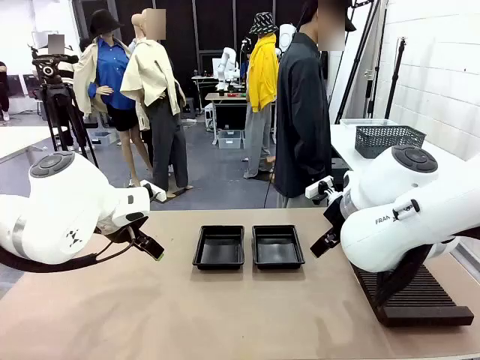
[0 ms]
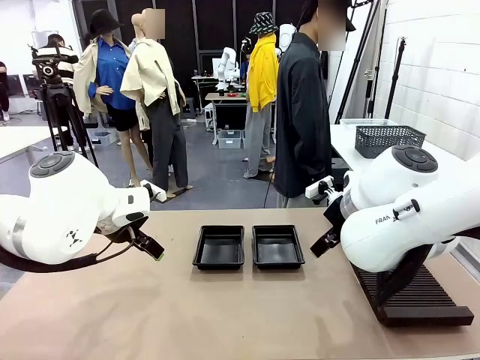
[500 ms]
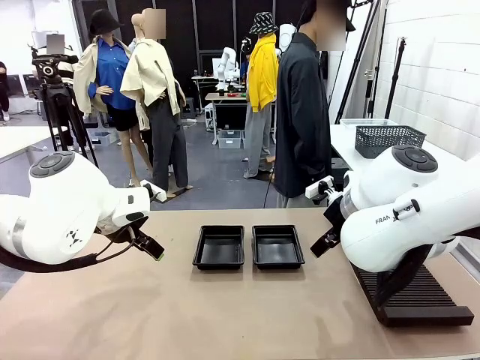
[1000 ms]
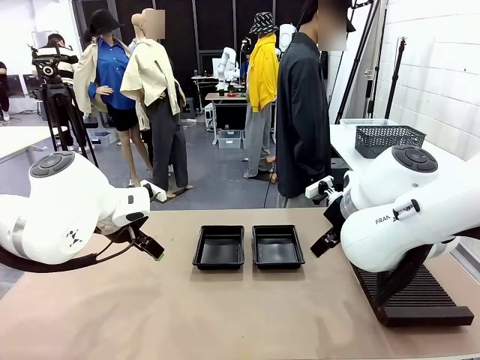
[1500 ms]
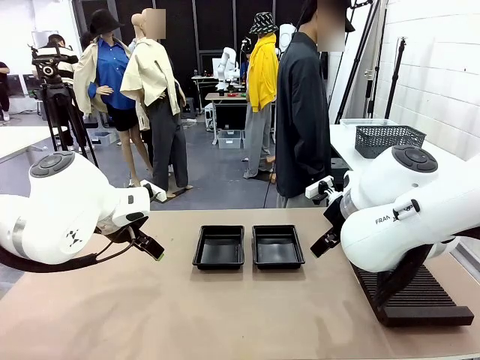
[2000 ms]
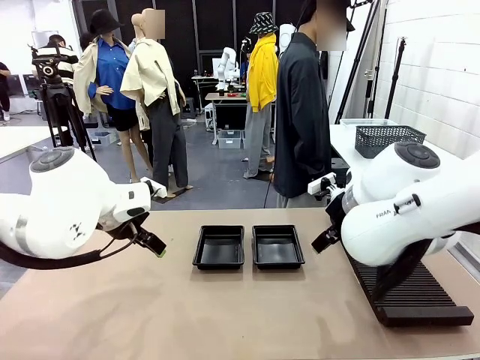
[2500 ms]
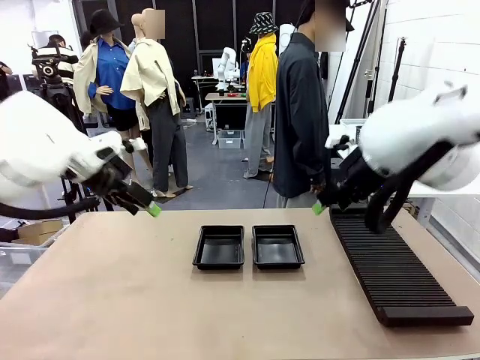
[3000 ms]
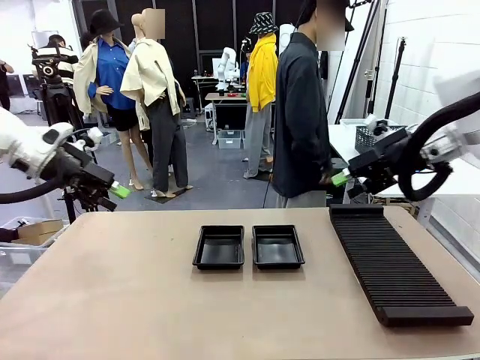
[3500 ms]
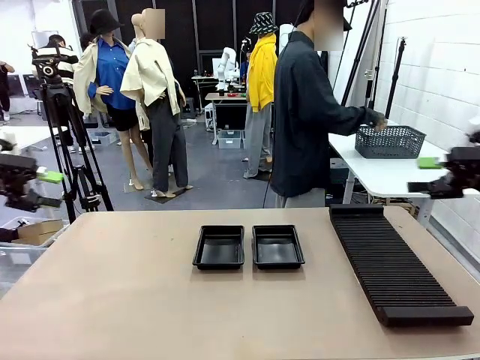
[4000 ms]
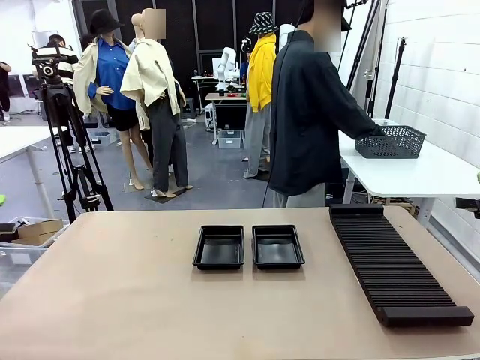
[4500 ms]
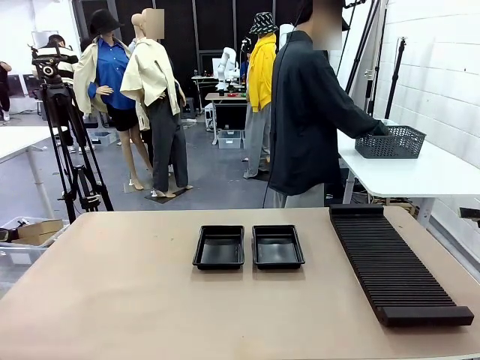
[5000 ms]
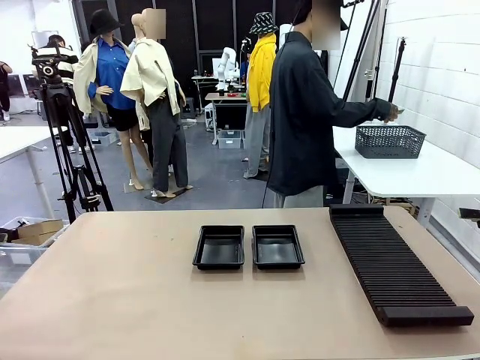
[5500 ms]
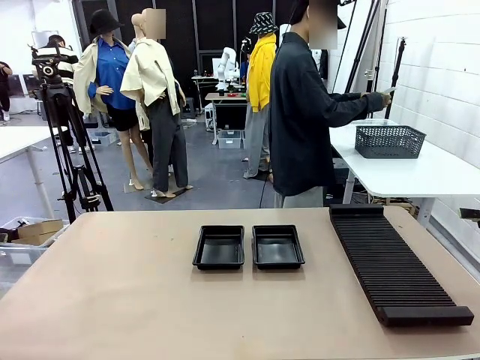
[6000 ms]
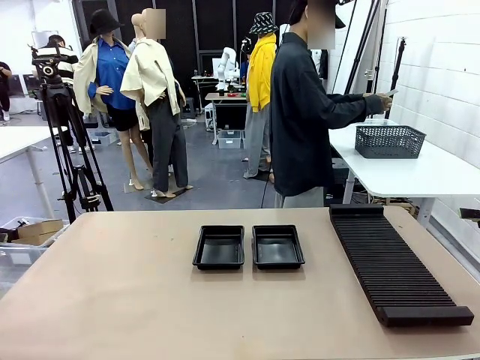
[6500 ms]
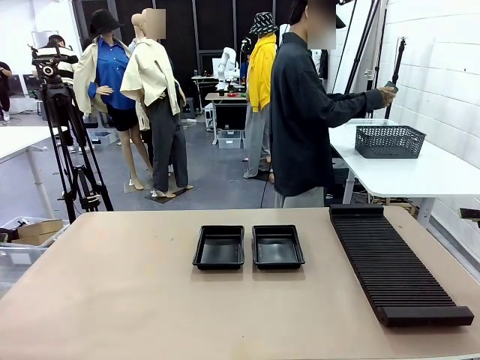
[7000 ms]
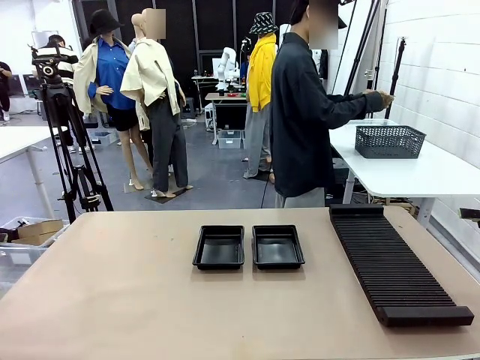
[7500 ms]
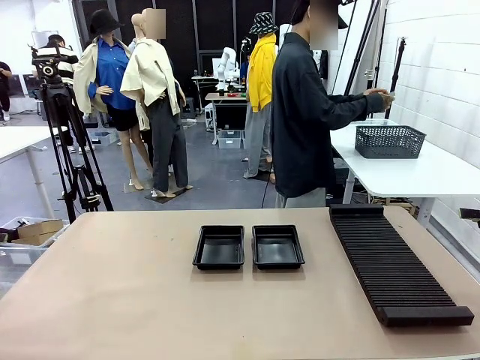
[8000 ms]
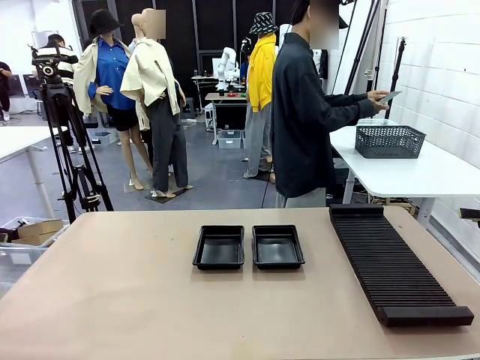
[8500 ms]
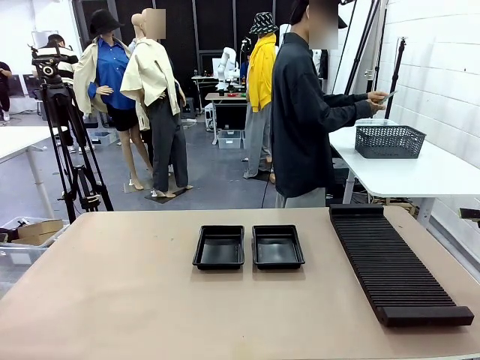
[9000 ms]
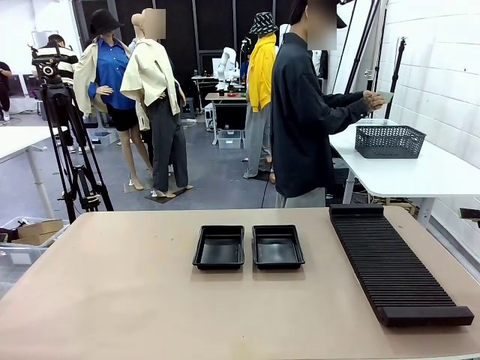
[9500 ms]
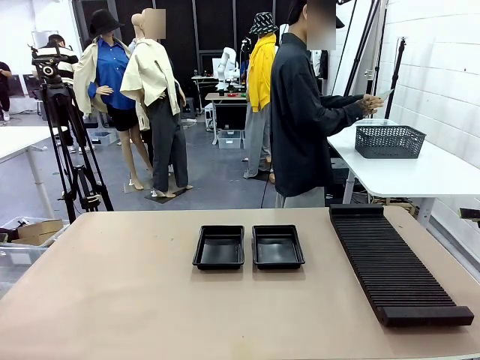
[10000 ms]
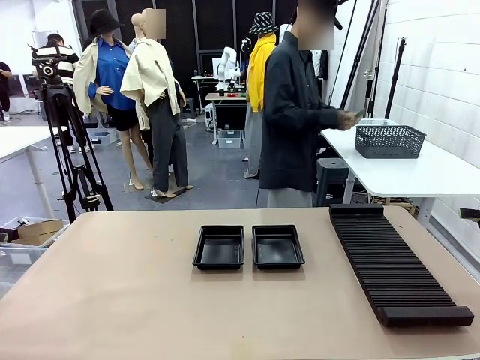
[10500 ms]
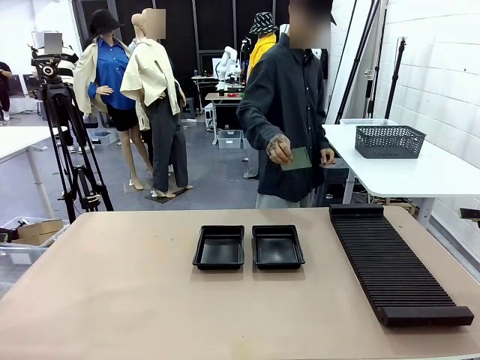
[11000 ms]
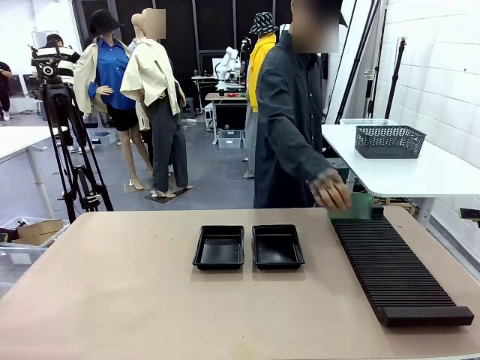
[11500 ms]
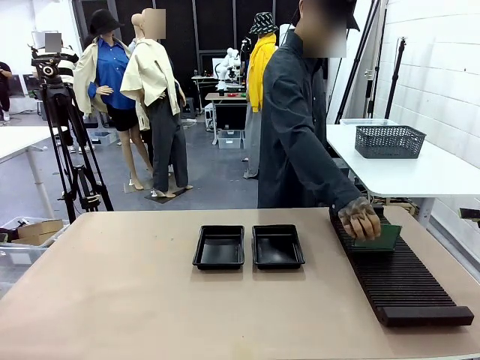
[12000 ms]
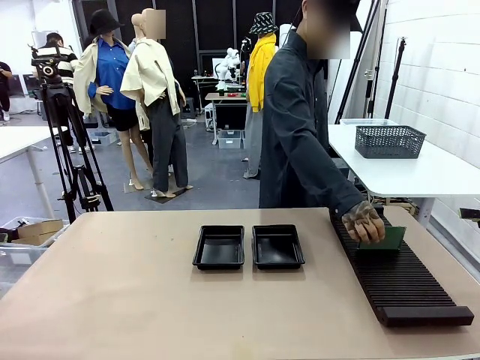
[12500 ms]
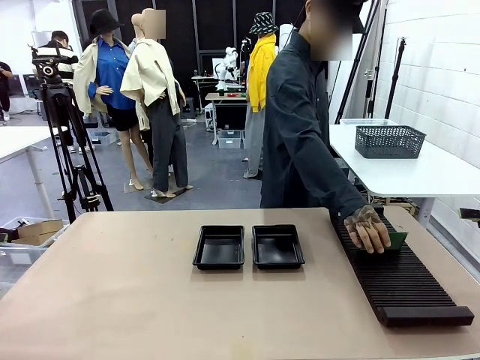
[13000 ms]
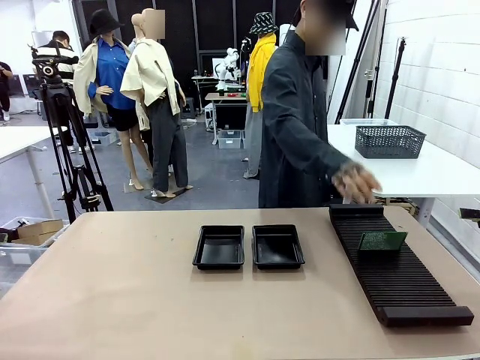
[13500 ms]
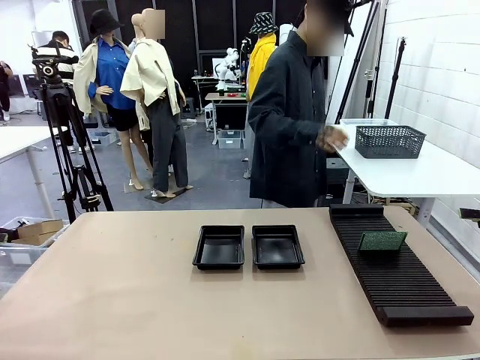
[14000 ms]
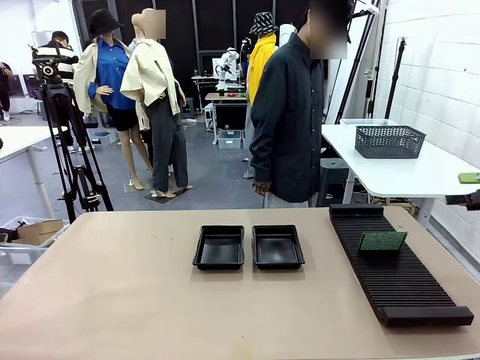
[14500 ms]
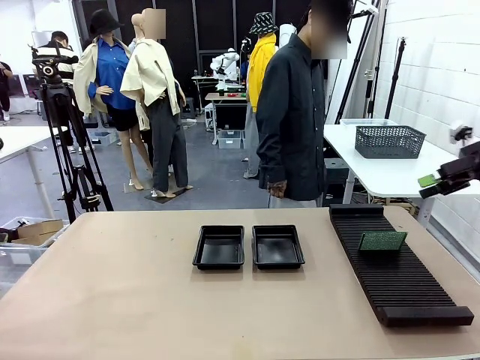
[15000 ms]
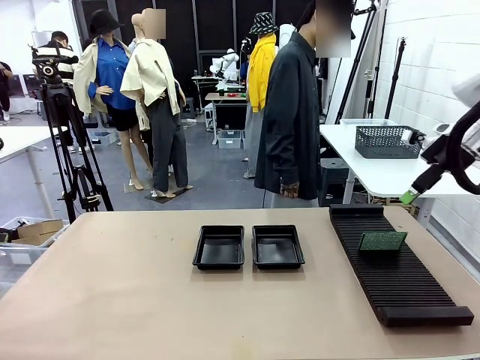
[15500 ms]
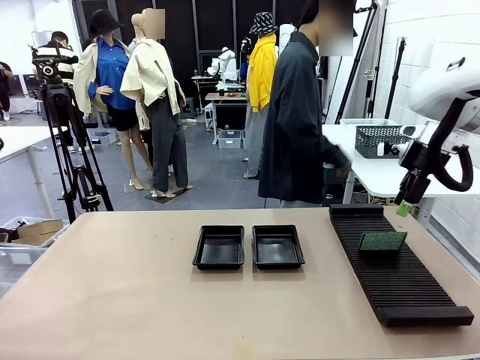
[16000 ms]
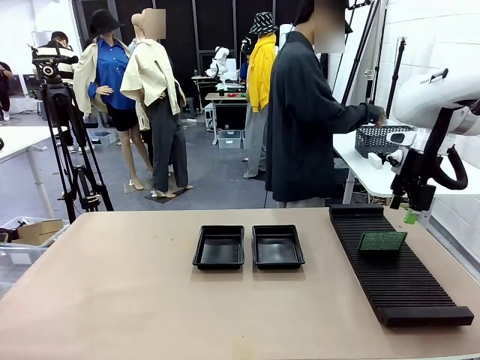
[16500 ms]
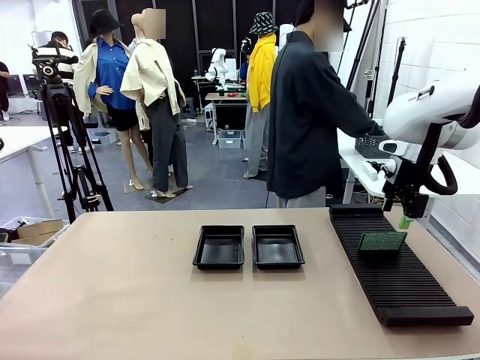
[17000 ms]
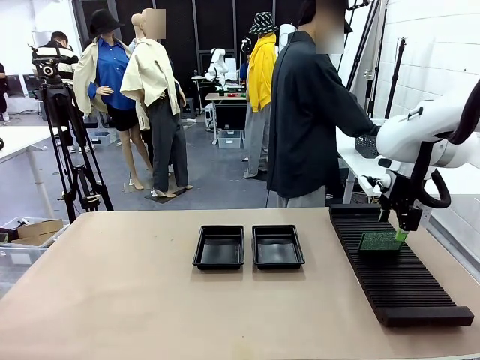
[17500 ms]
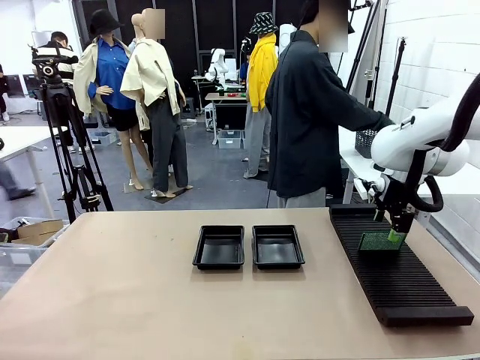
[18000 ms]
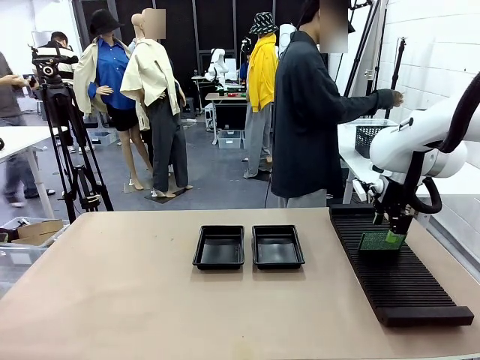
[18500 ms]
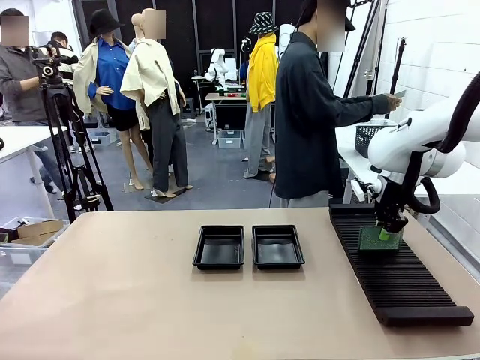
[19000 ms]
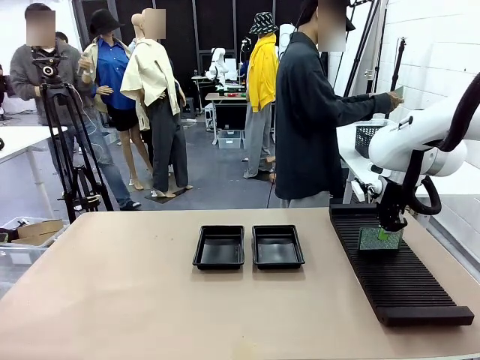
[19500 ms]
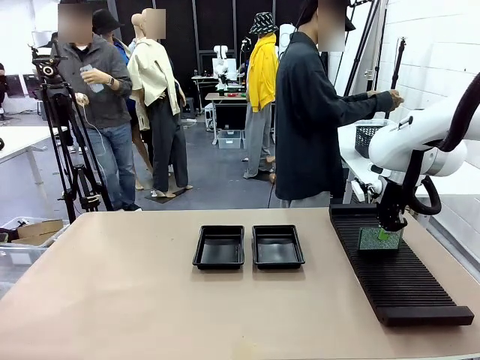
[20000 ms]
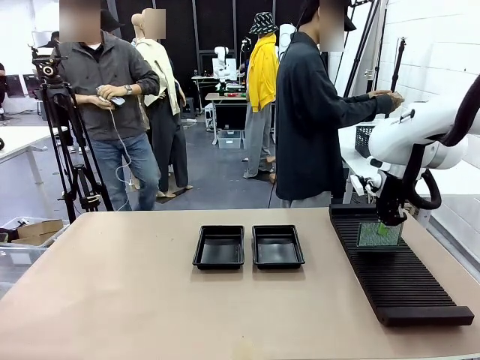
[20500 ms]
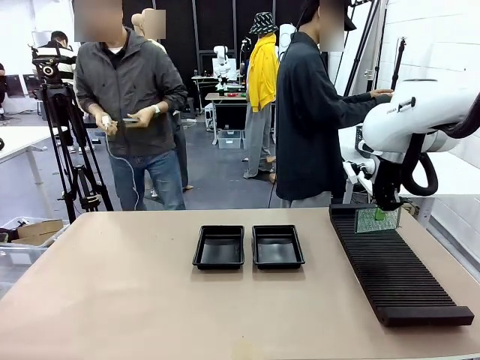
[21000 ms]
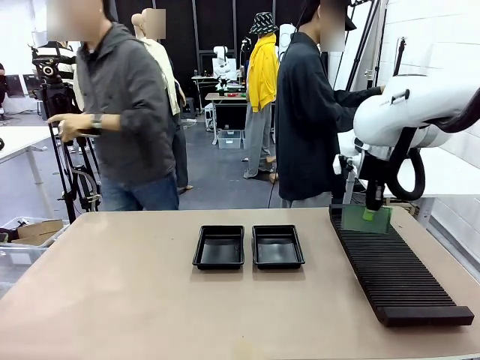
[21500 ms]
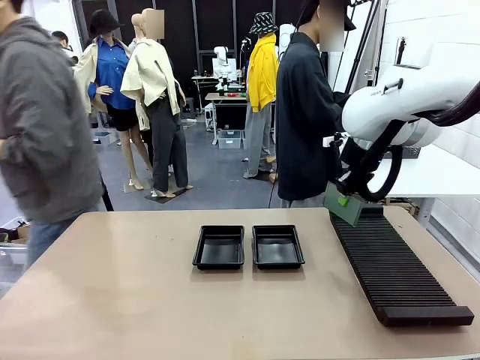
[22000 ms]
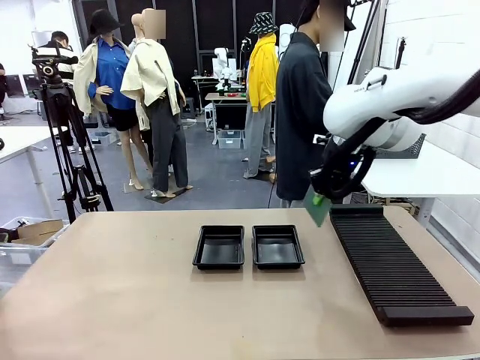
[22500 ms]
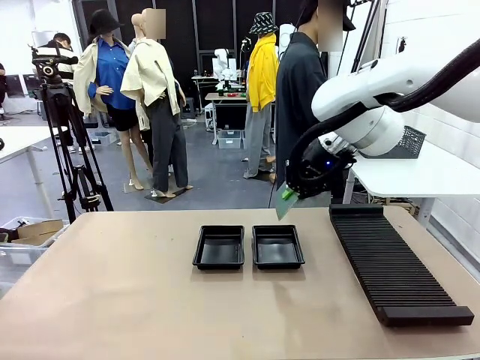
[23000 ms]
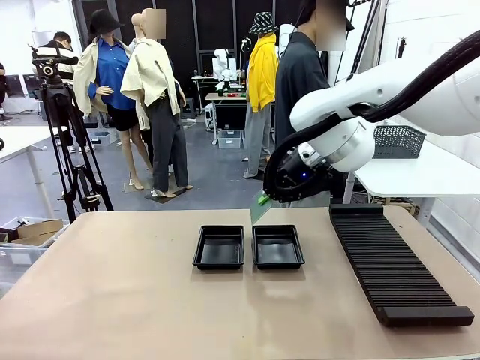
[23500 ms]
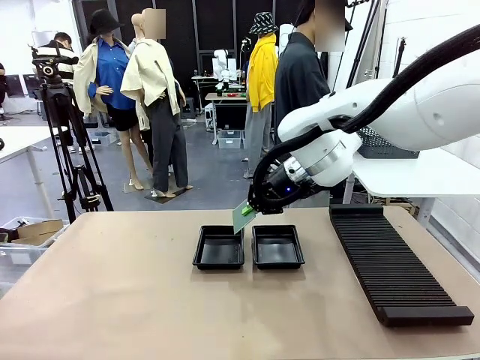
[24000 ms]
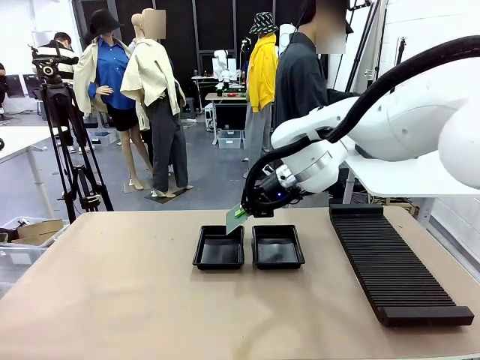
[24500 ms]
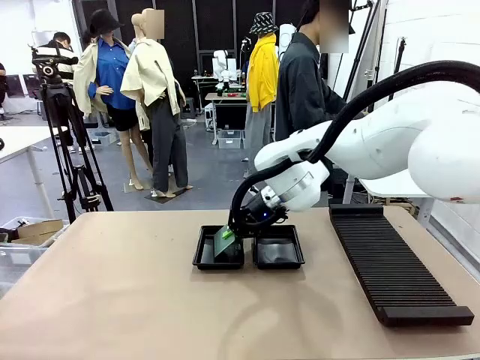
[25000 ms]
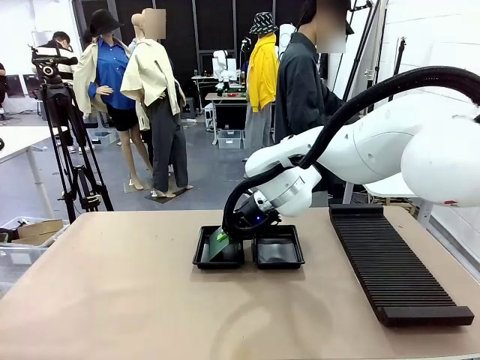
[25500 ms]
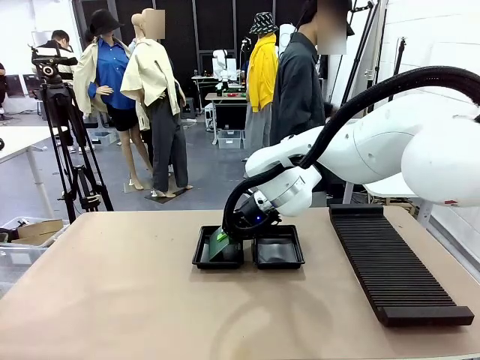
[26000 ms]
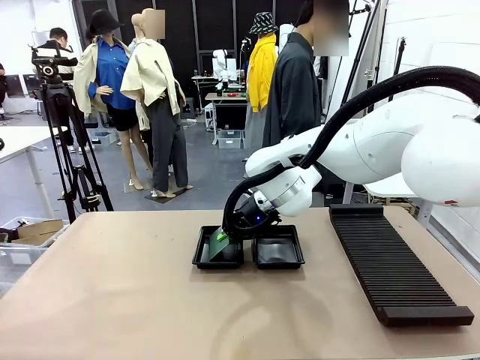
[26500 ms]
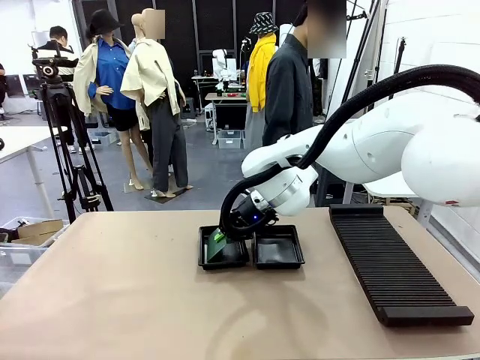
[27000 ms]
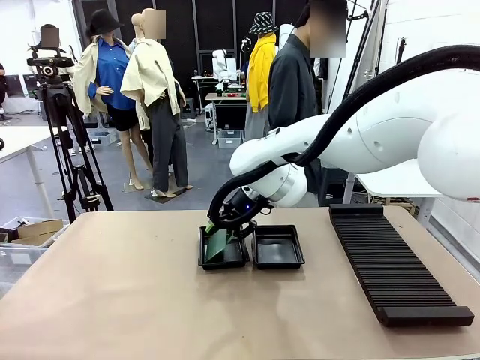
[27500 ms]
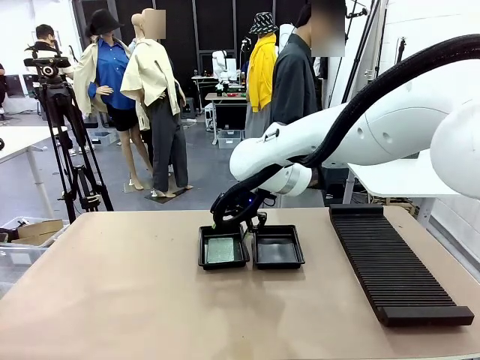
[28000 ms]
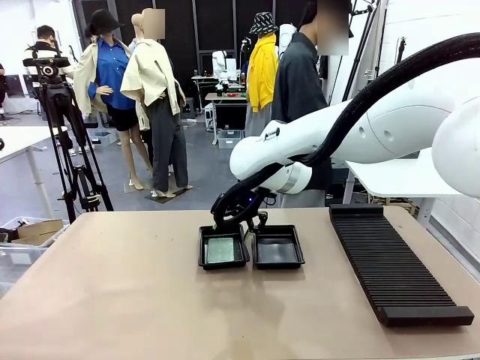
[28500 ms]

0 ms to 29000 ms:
Task: Inspect and transfer BCBs to ESD trays.
Robot: Pick up the Blank PCB from the PCB Rack and place it in the left ESD tray.
